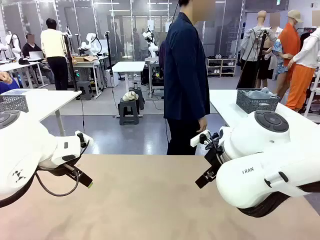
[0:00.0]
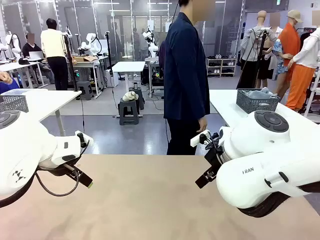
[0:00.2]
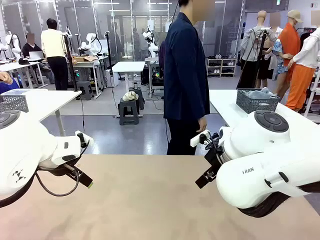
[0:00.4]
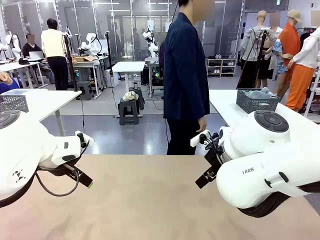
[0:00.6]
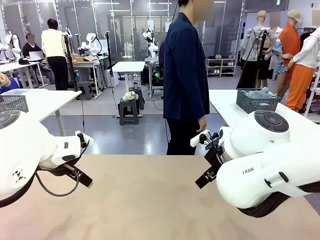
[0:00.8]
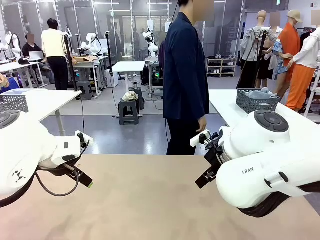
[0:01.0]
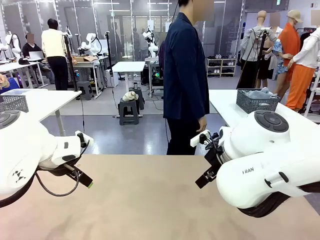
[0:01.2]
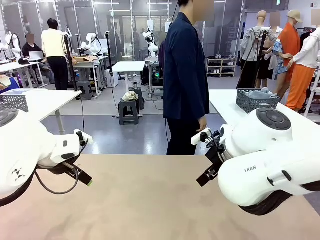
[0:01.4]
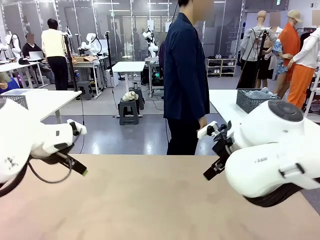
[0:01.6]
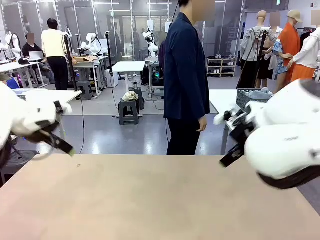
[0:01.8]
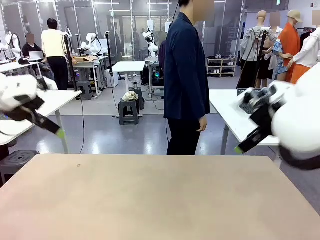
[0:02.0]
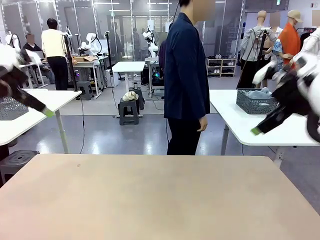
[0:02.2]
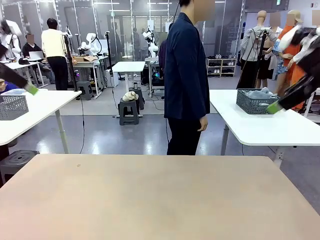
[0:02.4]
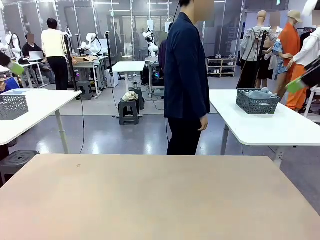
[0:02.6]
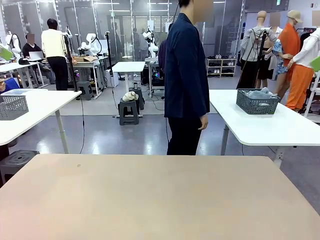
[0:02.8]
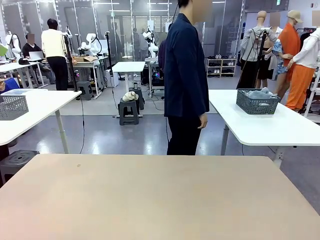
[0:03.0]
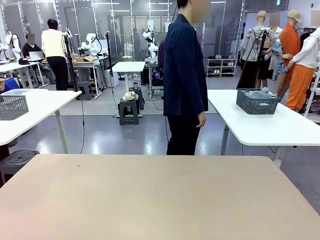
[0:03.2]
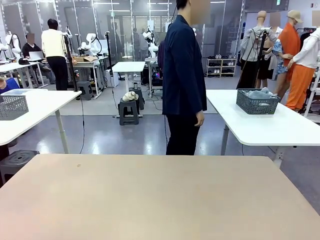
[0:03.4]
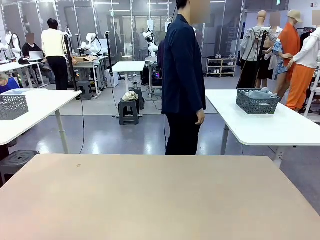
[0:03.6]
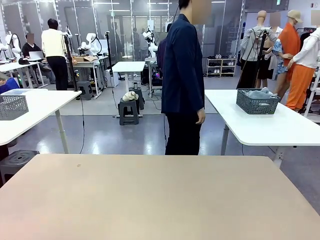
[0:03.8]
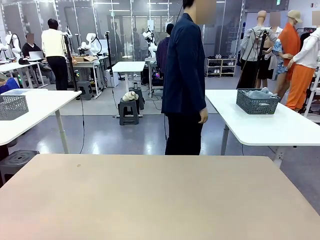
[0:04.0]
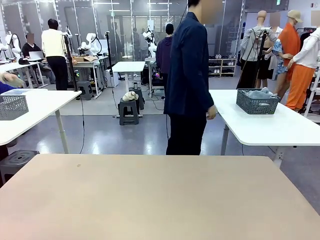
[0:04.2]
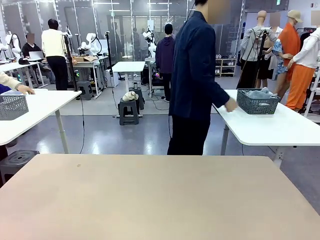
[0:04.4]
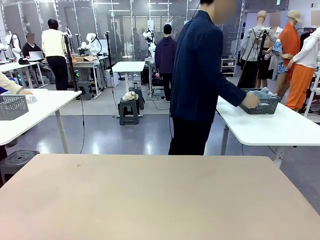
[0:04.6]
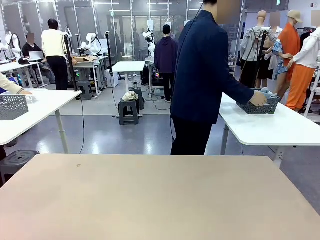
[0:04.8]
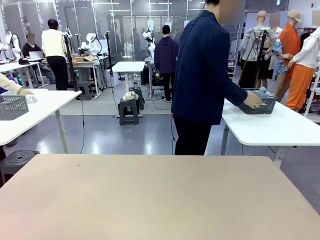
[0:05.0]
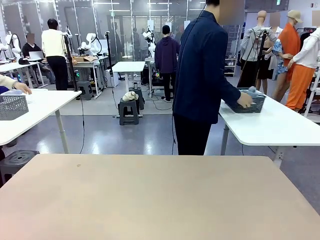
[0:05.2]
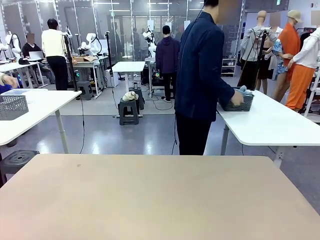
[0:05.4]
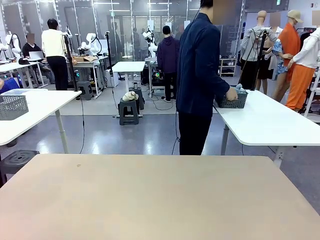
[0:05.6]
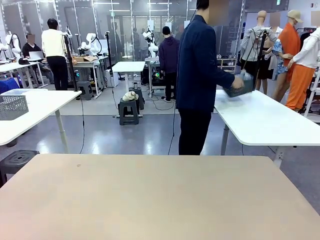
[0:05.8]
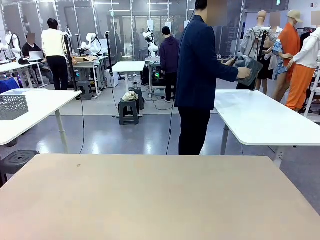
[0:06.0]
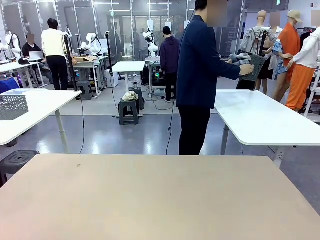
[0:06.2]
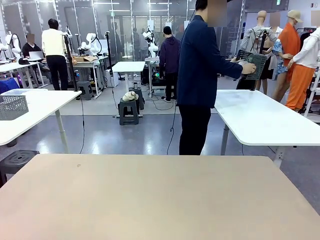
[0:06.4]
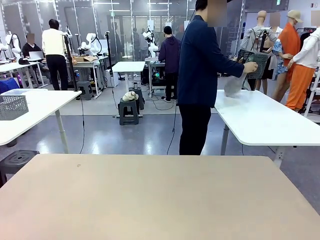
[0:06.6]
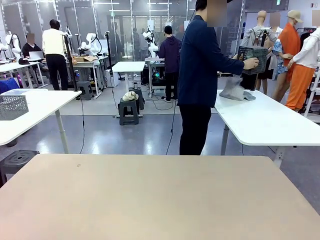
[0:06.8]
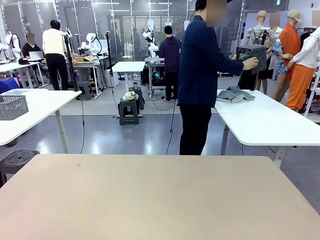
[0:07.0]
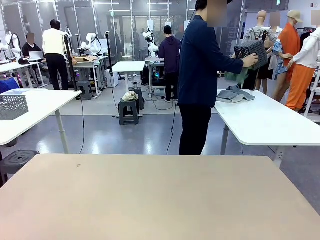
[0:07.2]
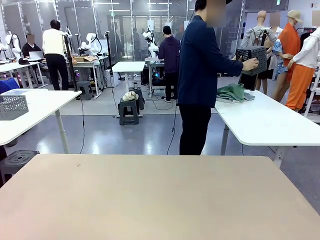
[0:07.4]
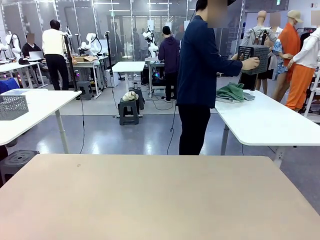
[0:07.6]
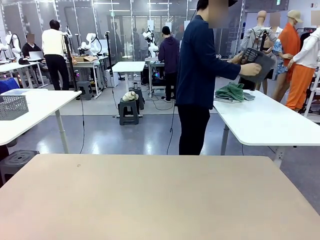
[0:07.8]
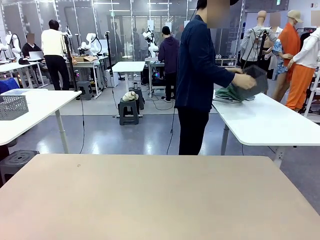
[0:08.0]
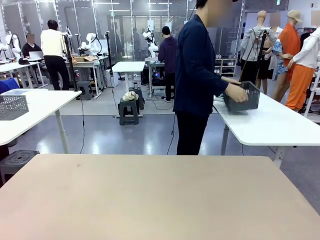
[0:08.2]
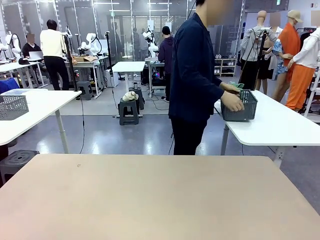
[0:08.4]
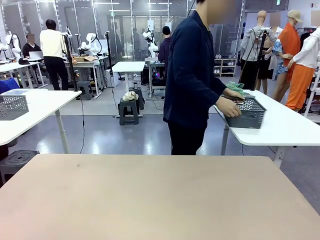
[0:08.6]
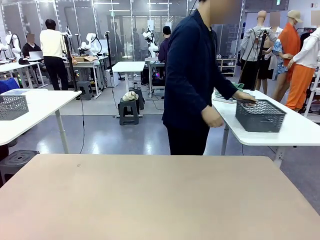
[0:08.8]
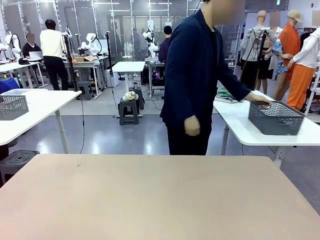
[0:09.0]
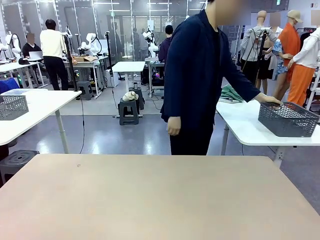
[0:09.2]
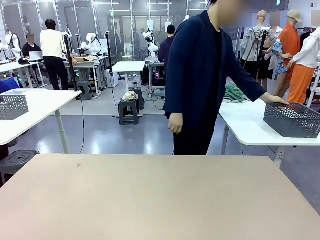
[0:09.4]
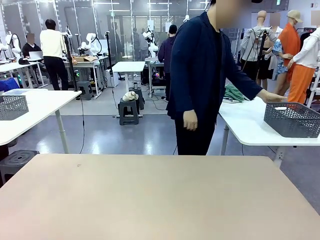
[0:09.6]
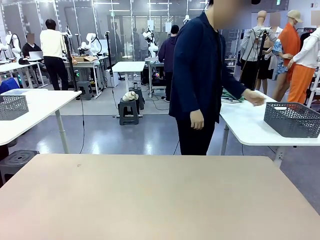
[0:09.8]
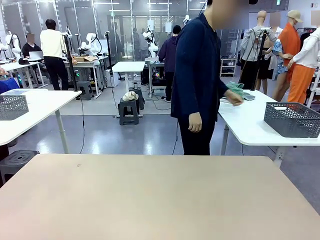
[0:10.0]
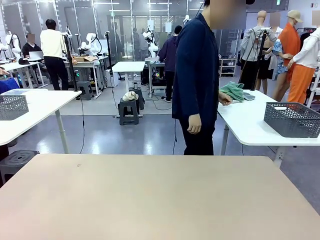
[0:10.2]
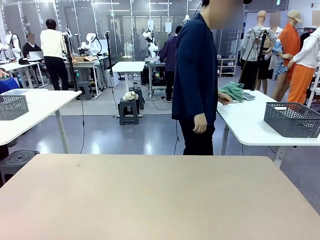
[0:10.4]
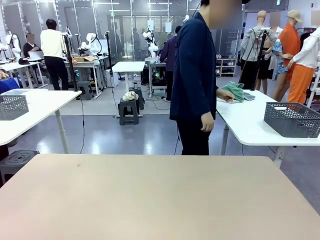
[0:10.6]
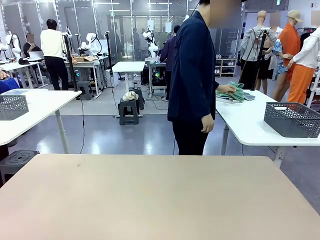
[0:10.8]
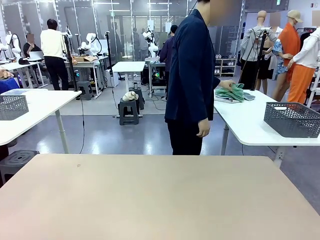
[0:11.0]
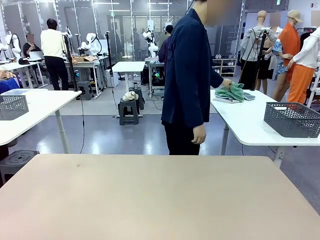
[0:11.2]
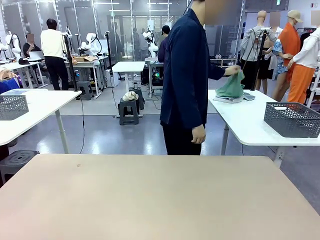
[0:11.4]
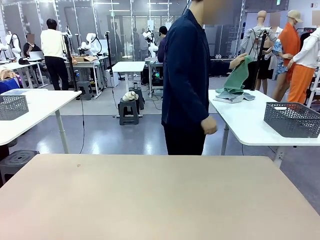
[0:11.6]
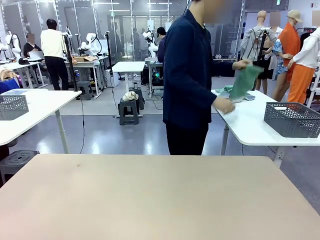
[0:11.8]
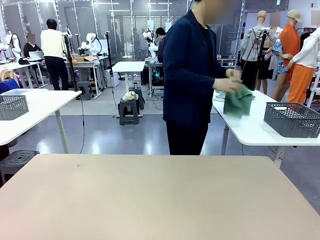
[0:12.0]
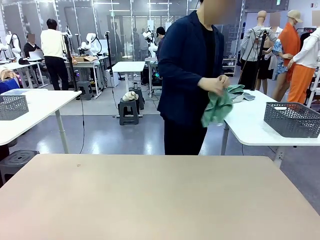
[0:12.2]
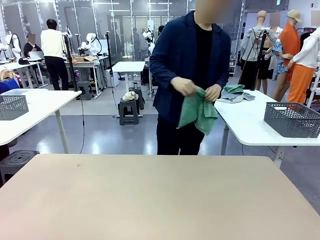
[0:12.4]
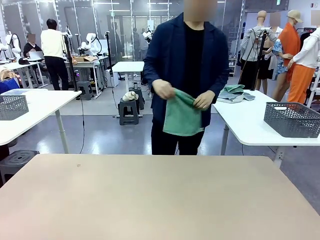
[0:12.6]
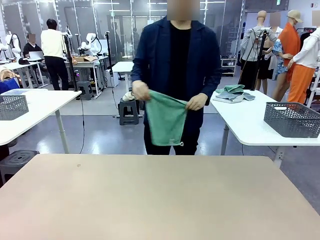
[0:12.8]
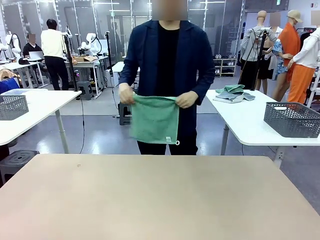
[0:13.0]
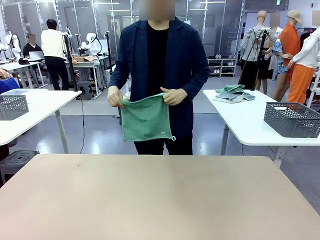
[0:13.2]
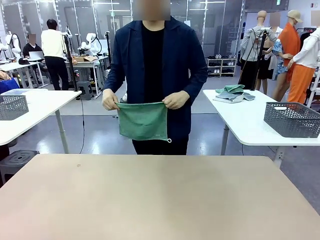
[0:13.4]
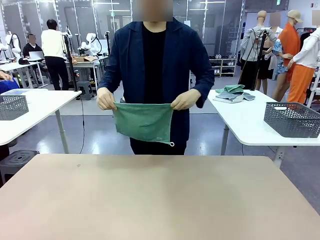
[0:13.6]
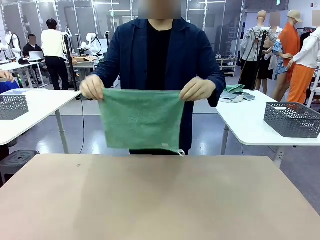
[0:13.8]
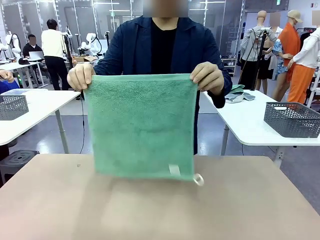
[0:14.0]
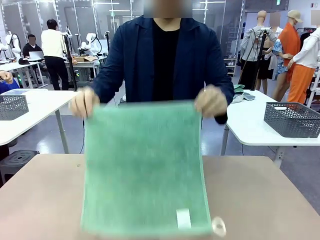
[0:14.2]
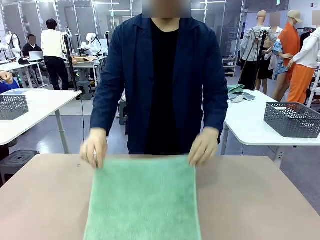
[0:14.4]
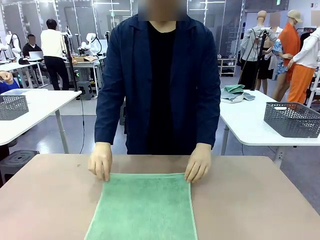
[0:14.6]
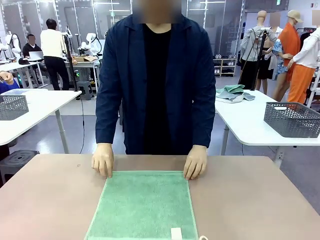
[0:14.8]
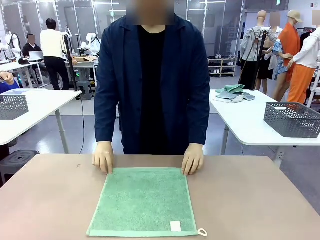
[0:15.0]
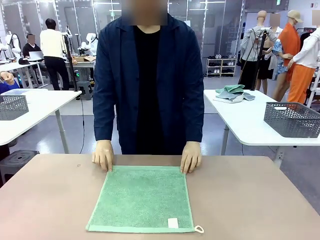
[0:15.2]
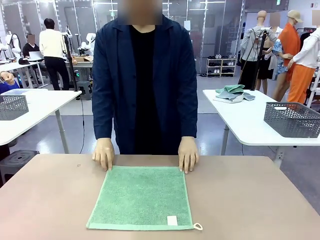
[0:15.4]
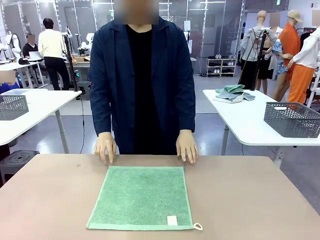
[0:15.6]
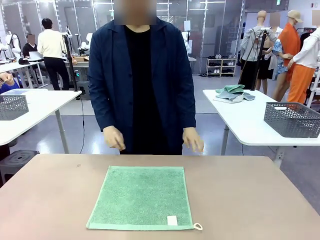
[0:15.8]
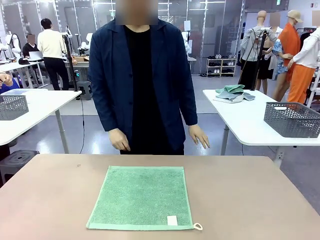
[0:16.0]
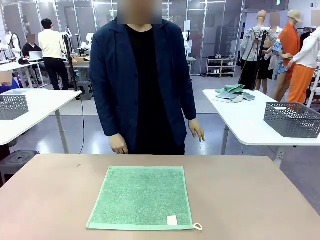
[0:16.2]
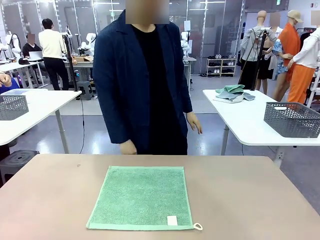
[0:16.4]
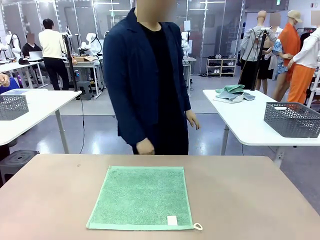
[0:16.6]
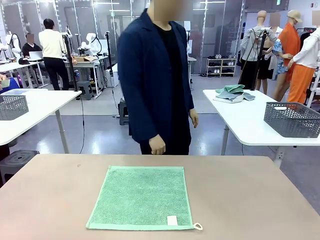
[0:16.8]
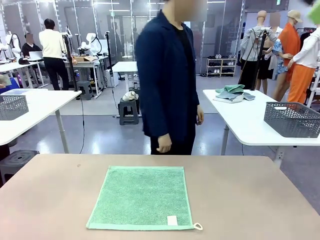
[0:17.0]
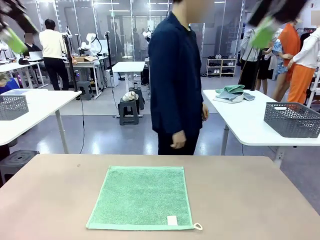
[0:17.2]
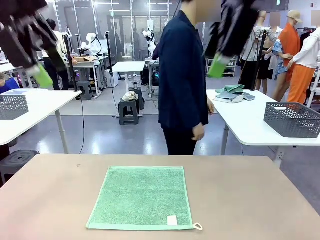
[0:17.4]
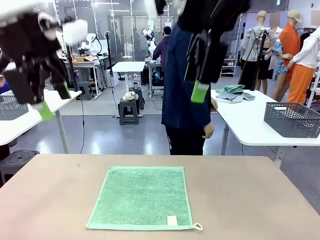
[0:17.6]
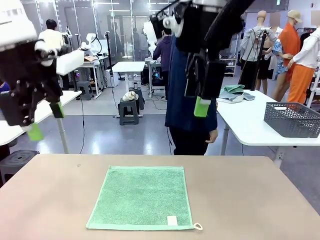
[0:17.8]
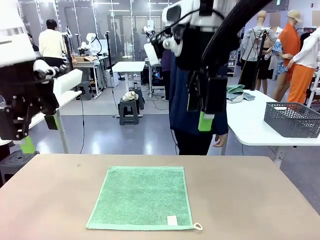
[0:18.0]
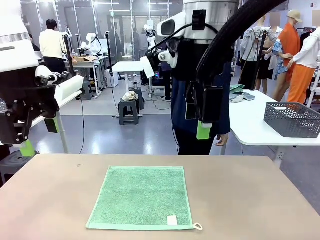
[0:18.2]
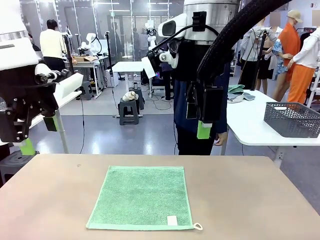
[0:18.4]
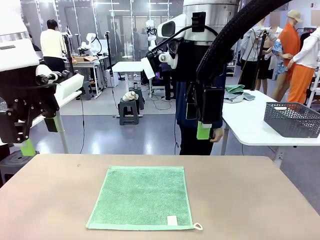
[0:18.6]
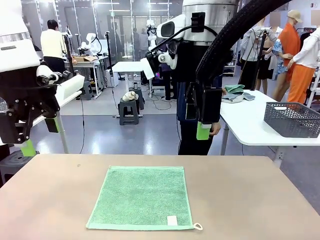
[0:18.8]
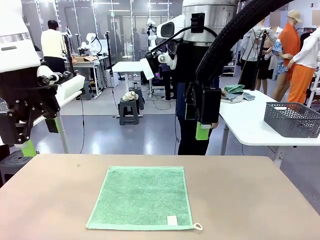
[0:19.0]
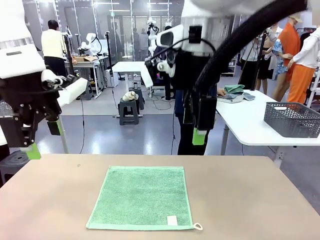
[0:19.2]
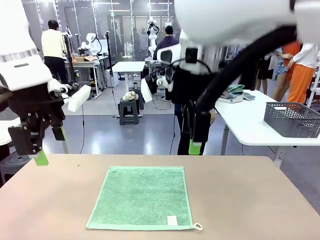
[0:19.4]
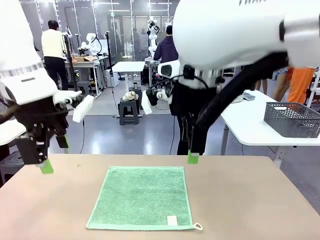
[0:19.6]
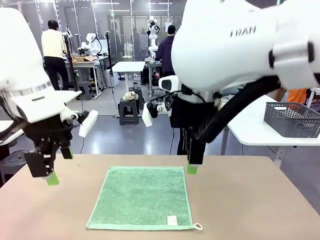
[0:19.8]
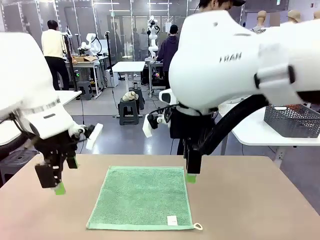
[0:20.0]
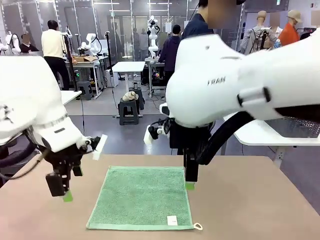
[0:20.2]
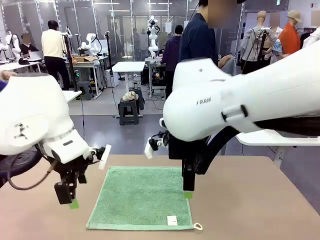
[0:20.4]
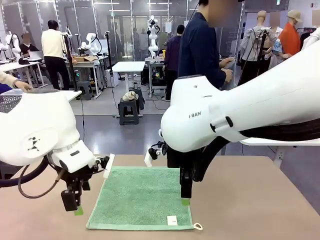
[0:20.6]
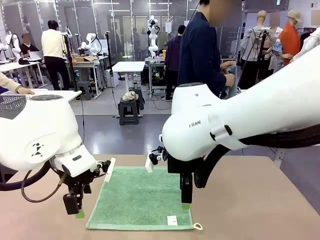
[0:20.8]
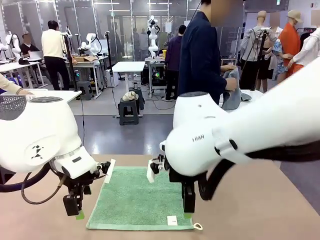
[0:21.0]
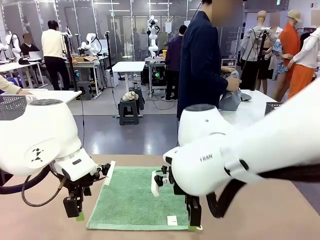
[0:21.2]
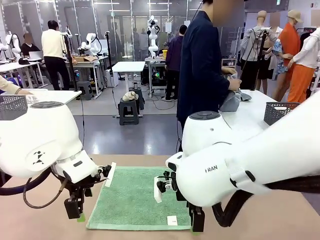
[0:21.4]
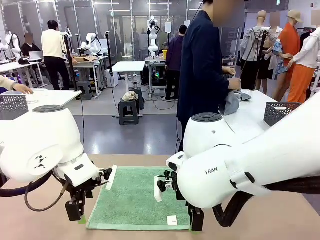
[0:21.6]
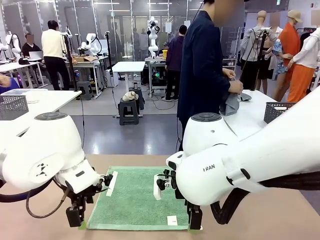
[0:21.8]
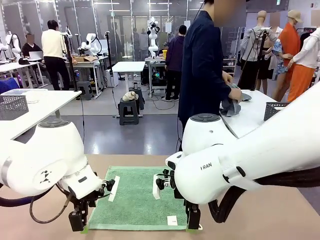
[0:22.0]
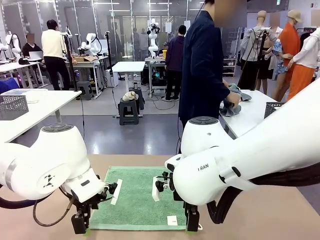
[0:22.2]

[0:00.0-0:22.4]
Task: Fold the towels and place them in the basket.
Robot: When a person lays out a Towel with hook on the table, fold it in half twice.
Person: Pick up the basket, pour the towels onto the left side of the human table, and place the basket on the right side. Pick up one towel and spread it out at the center of the robot table.
